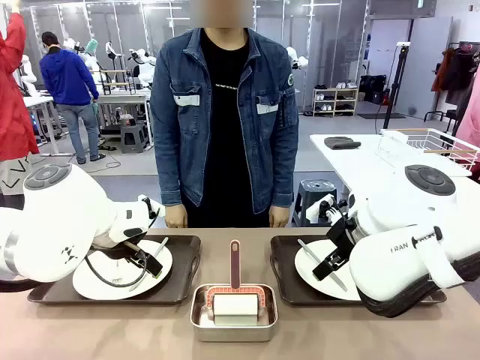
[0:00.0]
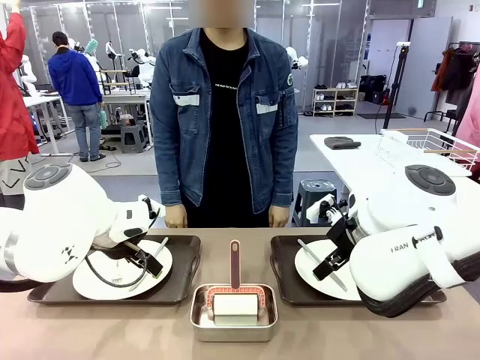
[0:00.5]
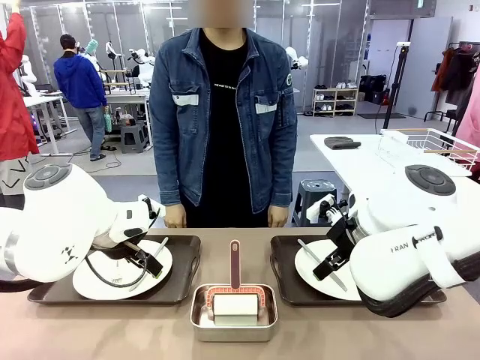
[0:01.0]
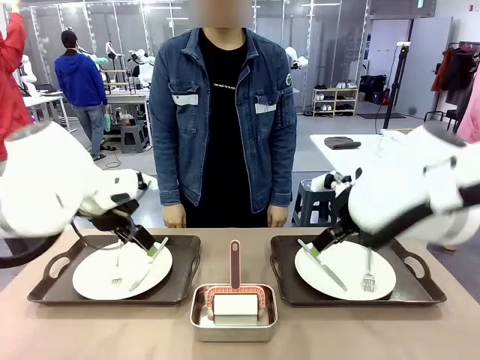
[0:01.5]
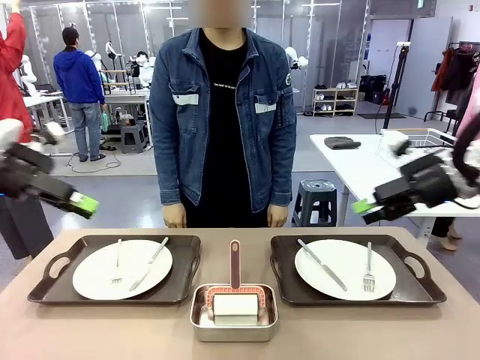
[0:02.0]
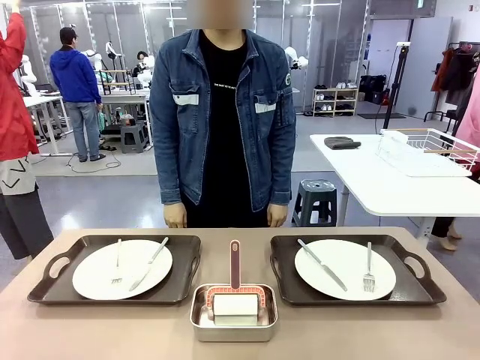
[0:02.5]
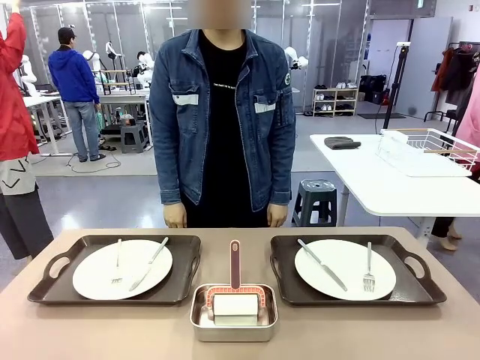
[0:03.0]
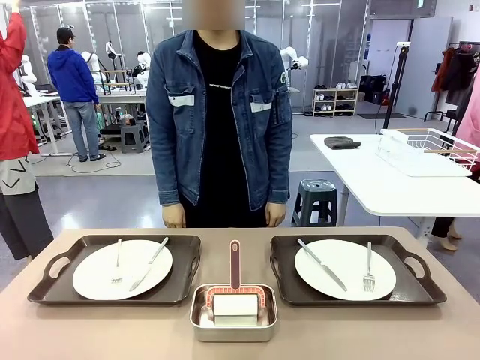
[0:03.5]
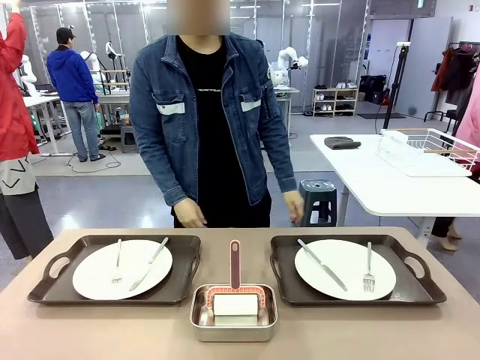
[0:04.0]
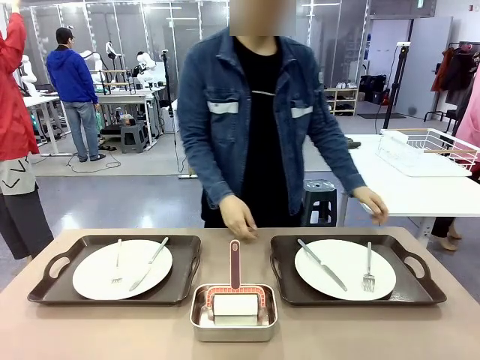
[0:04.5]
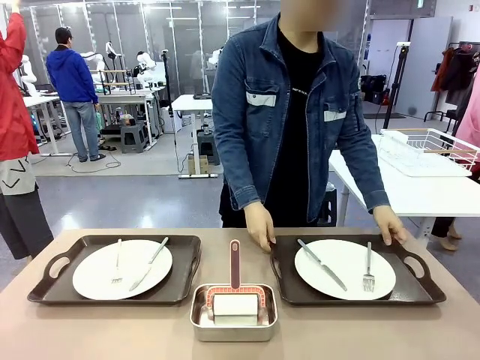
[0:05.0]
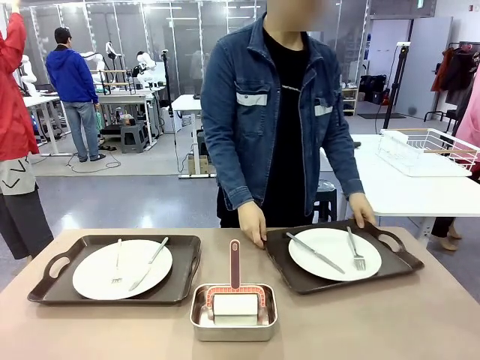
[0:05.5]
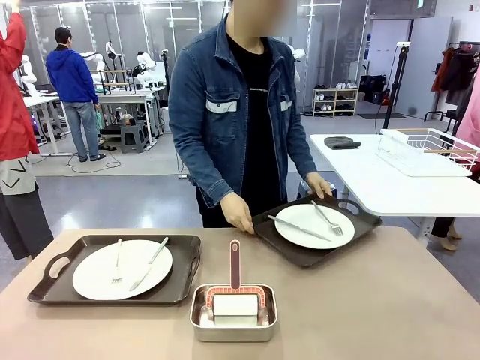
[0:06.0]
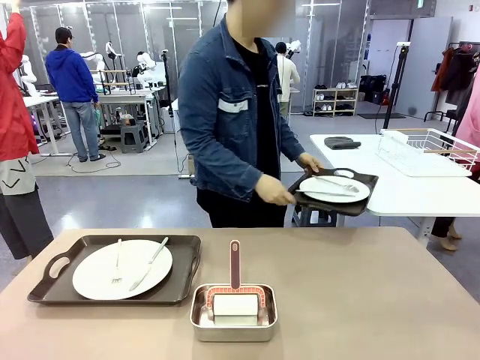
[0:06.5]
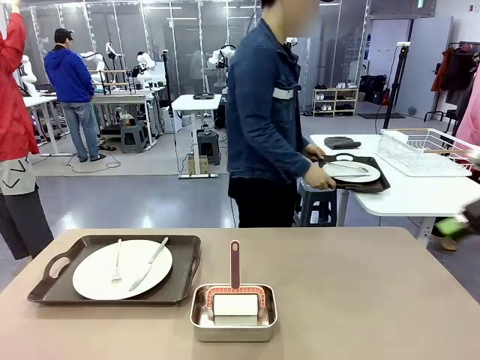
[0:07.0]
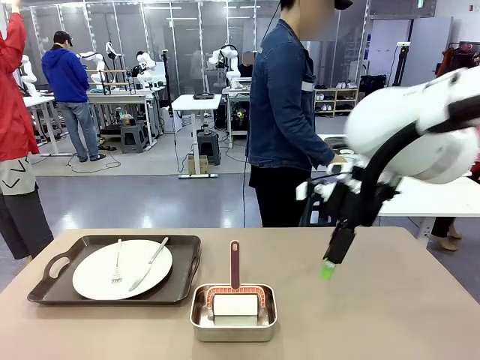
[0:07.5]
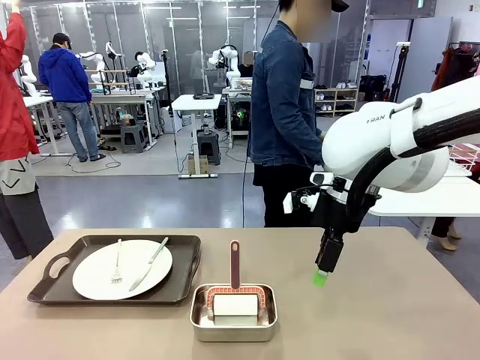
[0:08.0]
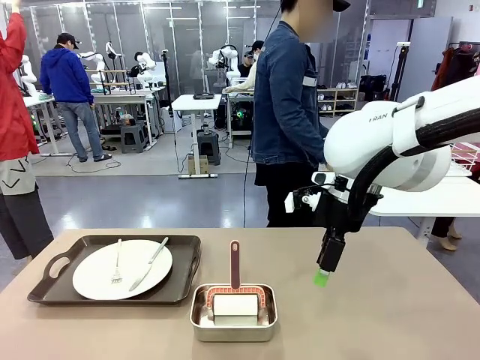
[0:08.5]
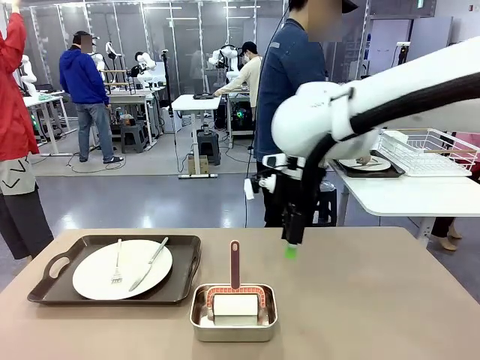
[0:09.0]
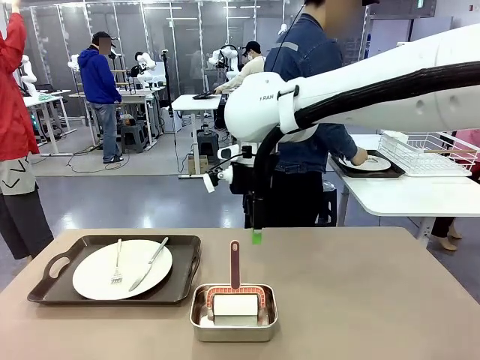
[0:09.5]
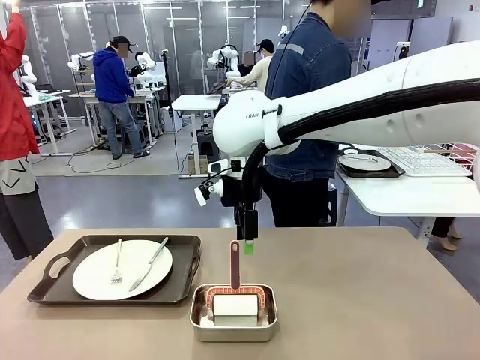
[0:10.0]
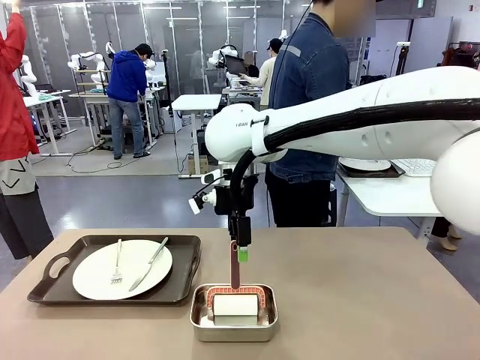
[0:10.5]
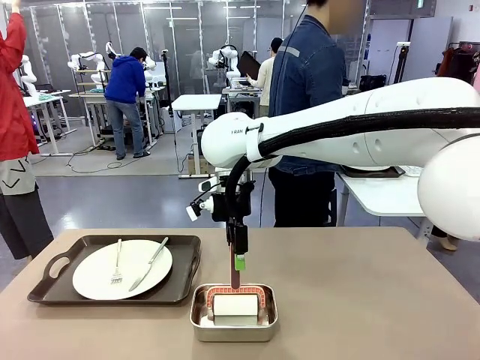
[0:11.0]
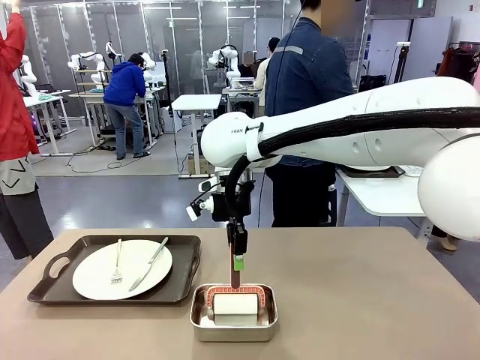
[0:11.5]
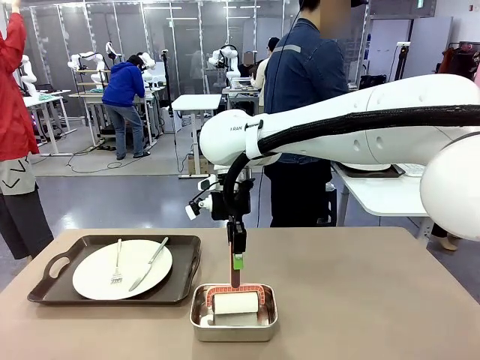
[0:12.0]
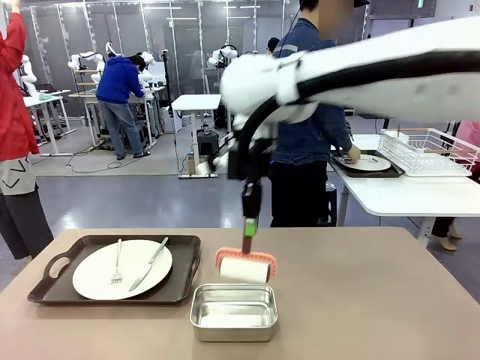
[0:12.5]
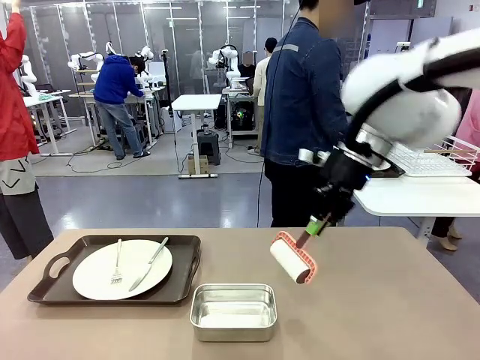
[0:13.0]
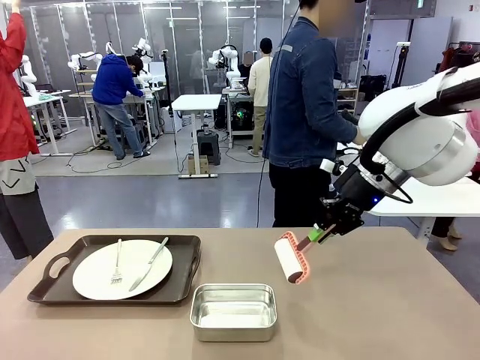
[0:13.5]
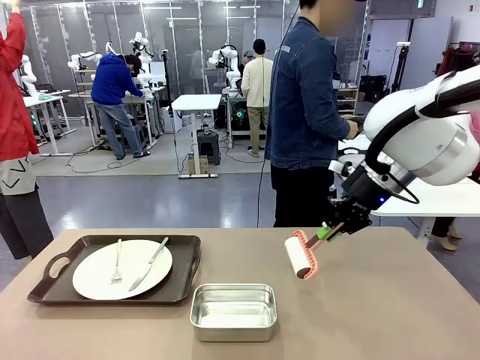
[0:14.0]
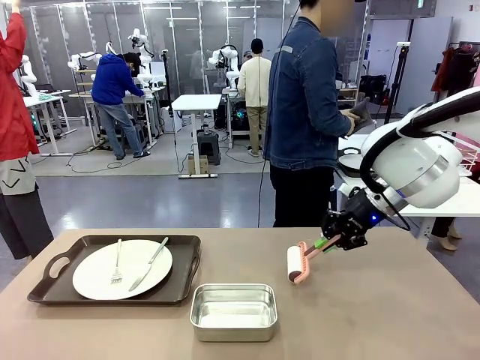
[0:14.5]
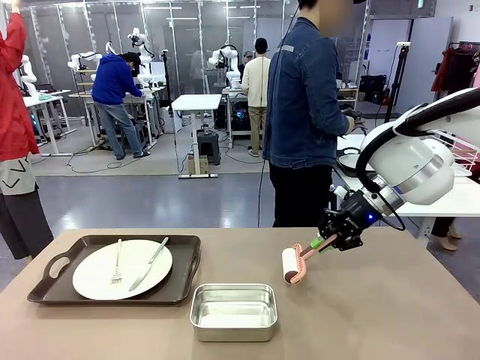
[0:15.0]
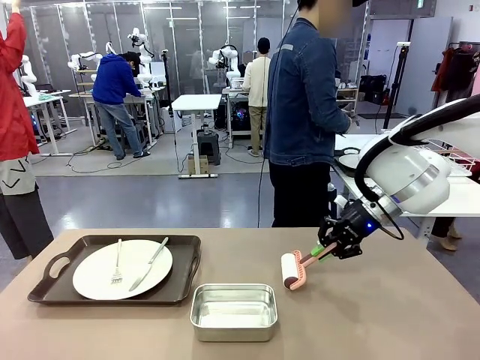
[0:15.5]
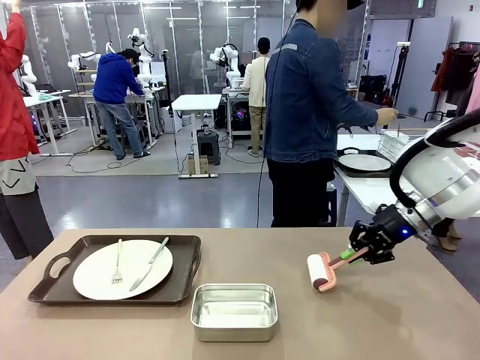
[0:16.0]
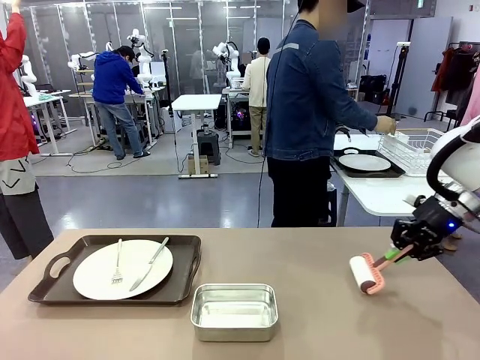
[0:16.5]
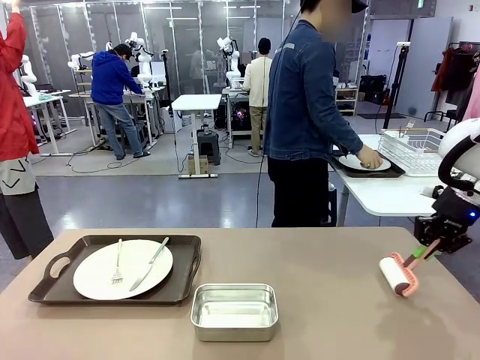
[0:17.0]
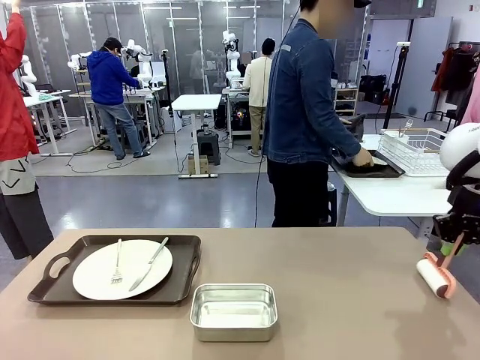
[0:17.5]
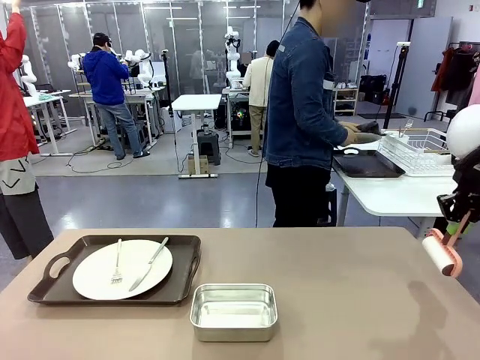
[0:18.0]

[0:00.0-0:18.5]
Robot: When the left (or right) Handle tray is removed, use the left hand (or right hand) to clean the left (or right) side of the table with the Lint Roller.
Person: Pick up the left (or right) Handle tray and place it on the middle of the Human's table. Use the Towel with hook to wipe the Plastic Matte Plate , Fork , and Knife and place into the Dish drying rack.

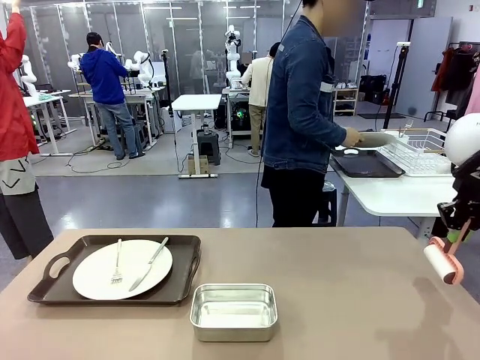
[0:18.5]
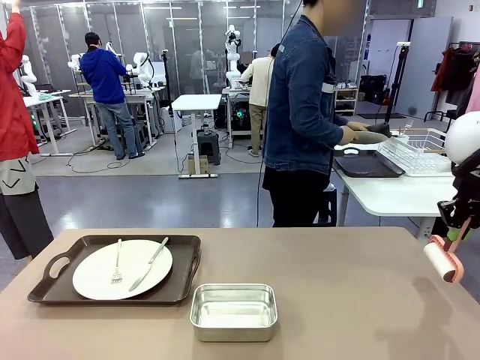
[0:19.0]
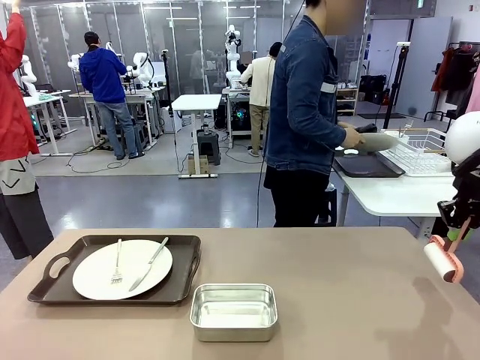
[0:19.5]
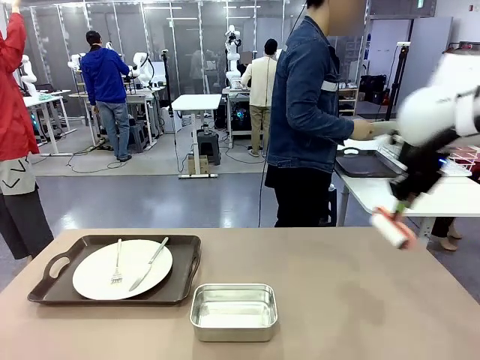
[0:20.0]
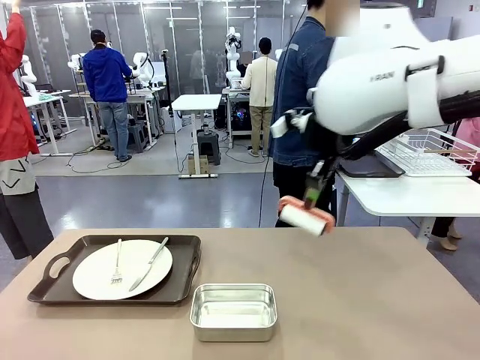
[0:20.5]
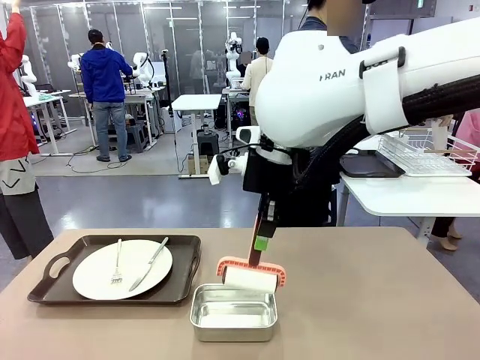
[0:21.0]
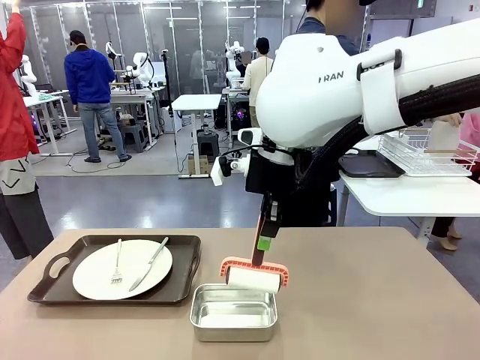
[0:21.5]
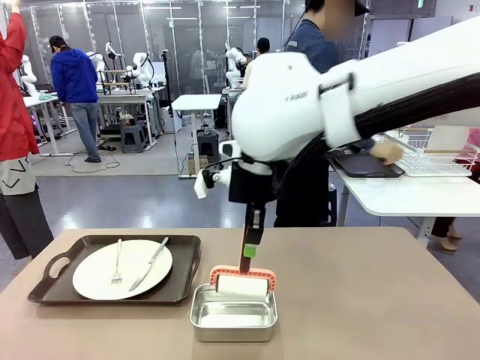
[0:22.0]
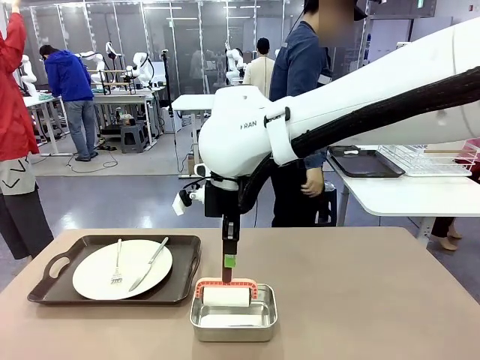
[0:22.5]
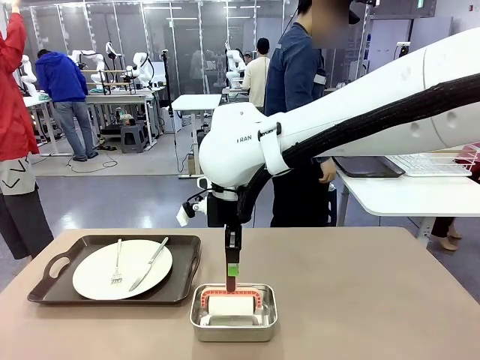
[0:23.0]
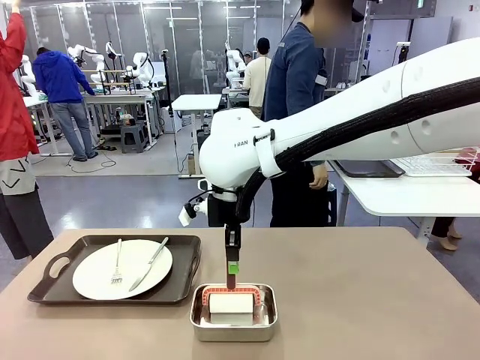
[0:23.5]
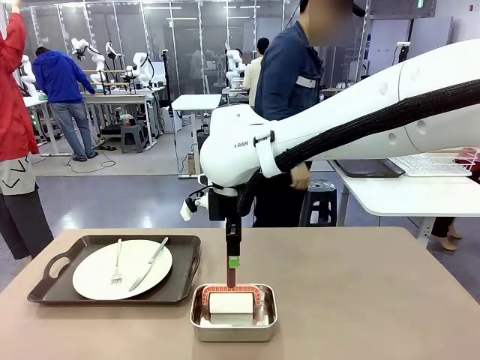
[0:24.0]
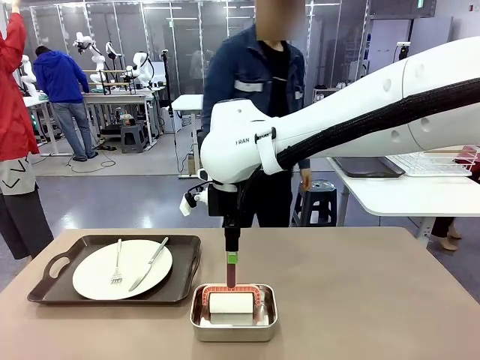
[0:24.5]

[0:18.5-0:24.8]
Robot: Place the Lint Roller back on top of the Airtight Container.
